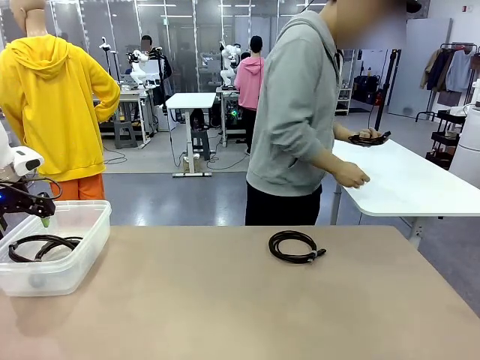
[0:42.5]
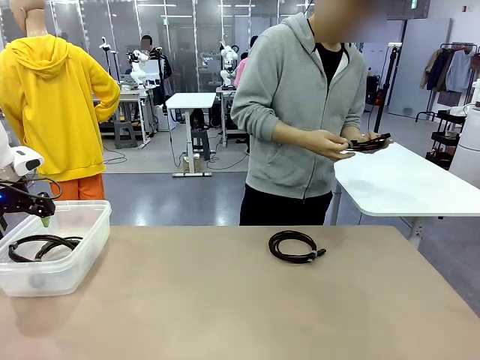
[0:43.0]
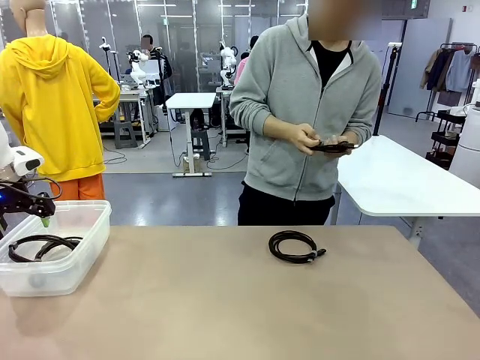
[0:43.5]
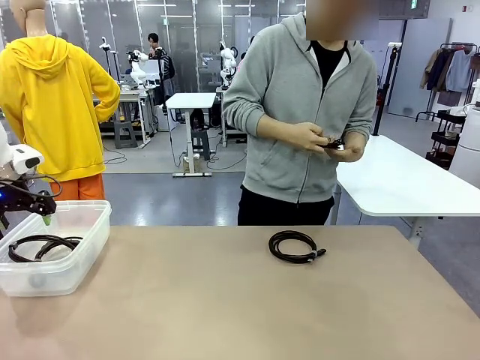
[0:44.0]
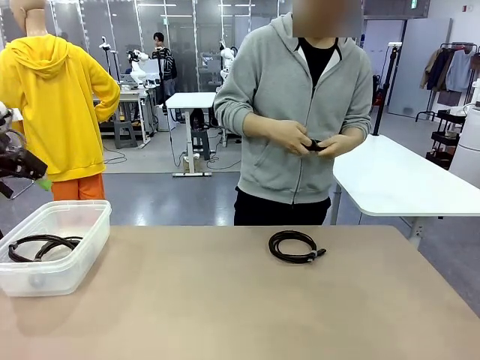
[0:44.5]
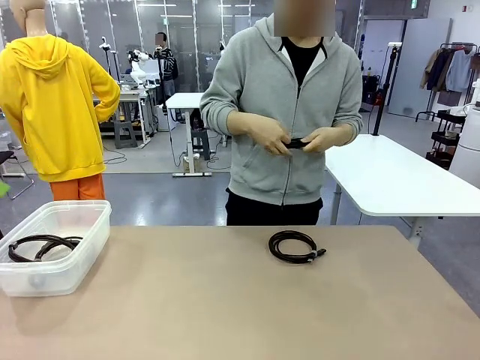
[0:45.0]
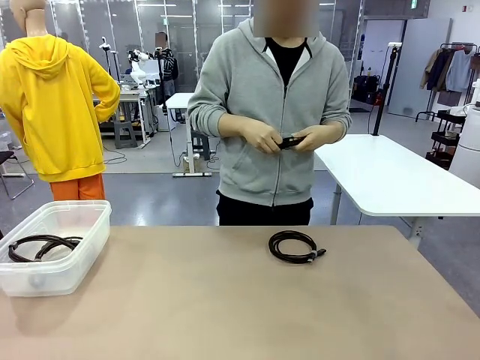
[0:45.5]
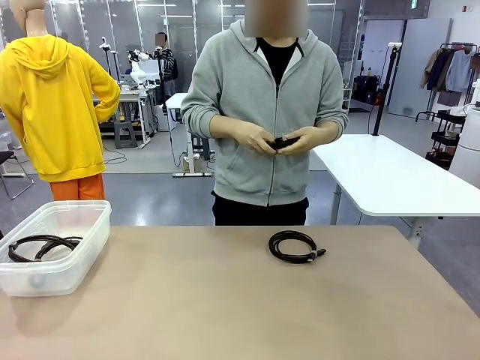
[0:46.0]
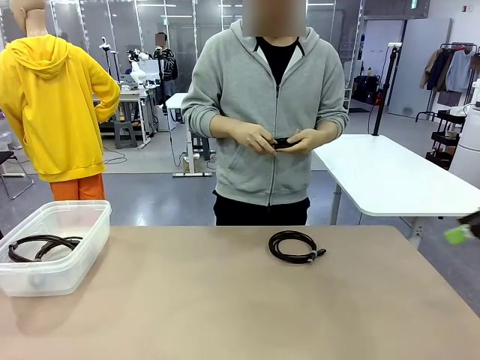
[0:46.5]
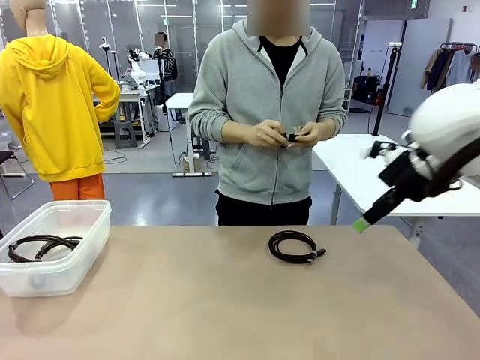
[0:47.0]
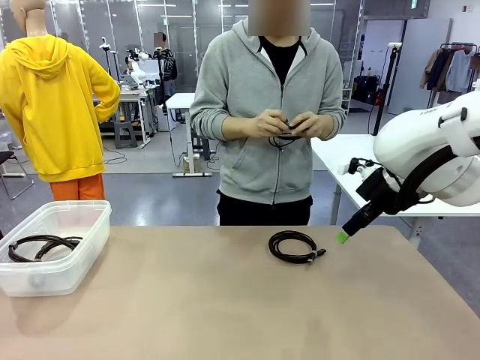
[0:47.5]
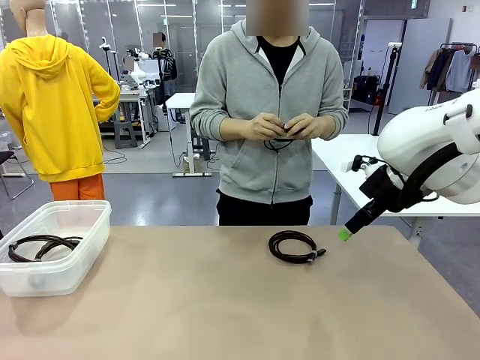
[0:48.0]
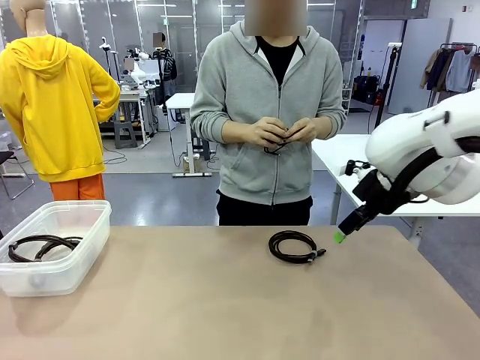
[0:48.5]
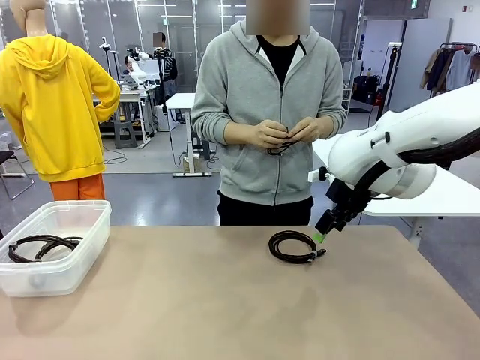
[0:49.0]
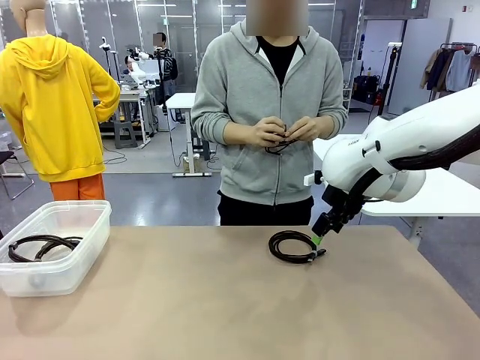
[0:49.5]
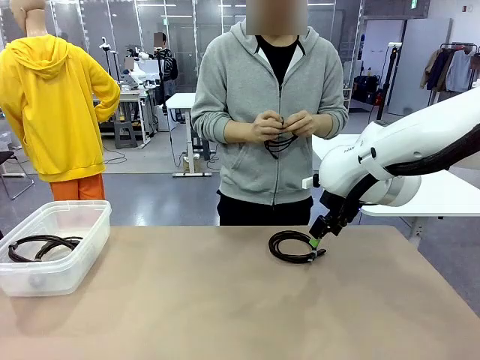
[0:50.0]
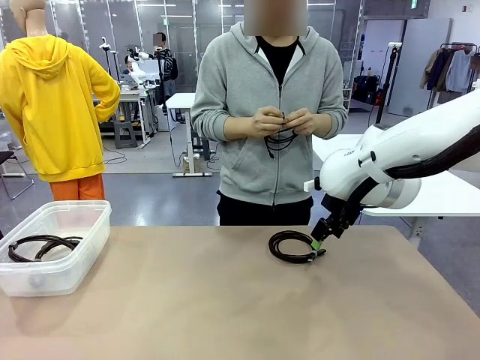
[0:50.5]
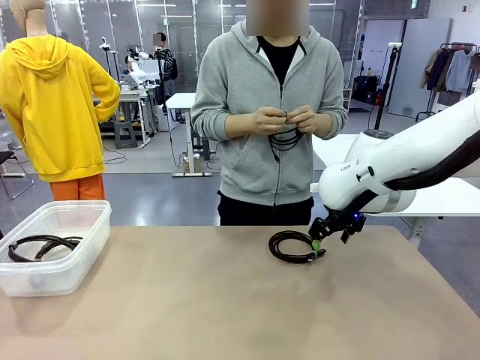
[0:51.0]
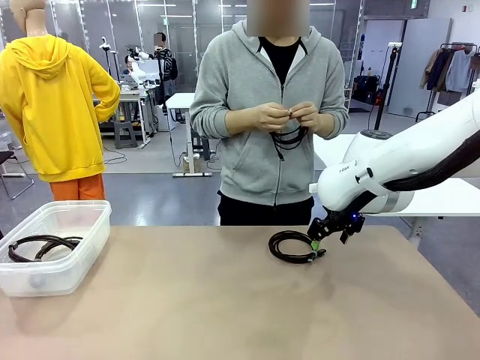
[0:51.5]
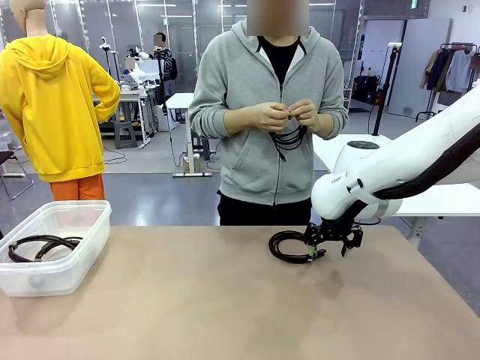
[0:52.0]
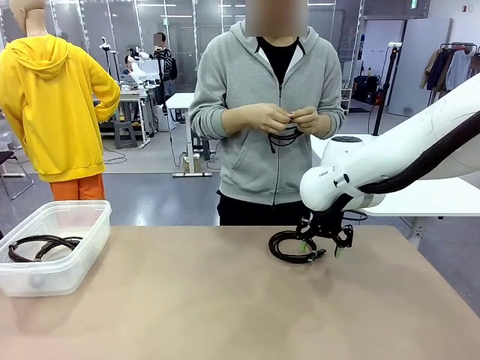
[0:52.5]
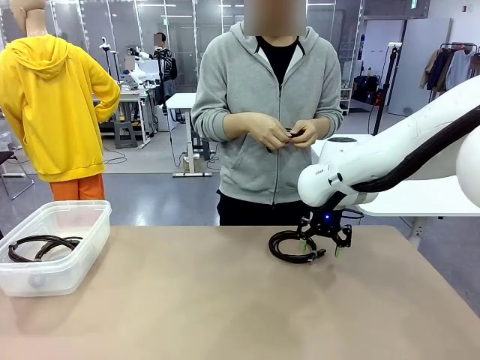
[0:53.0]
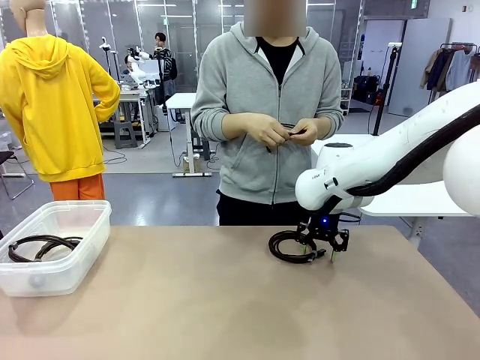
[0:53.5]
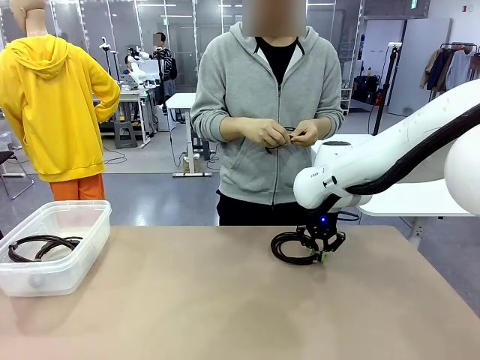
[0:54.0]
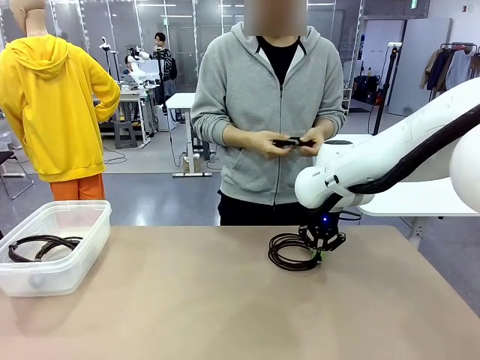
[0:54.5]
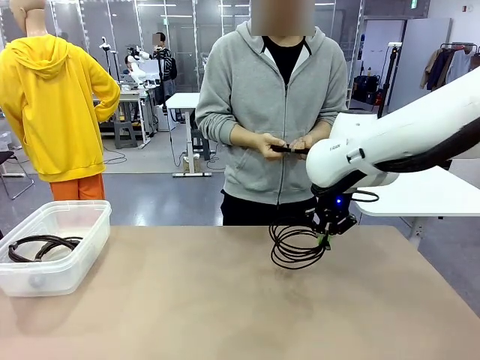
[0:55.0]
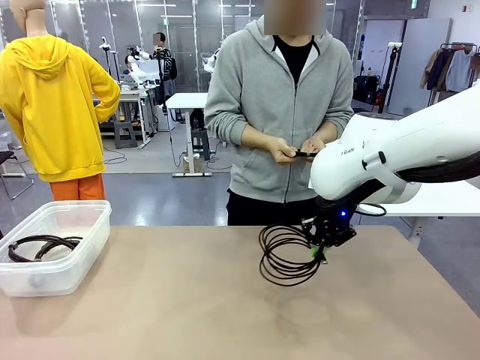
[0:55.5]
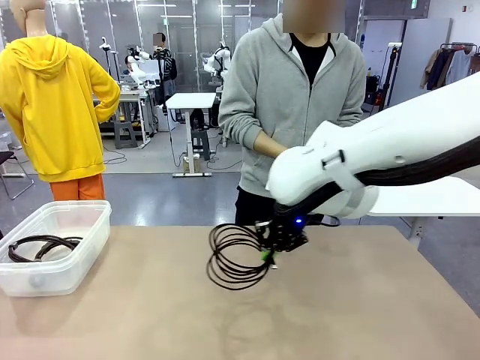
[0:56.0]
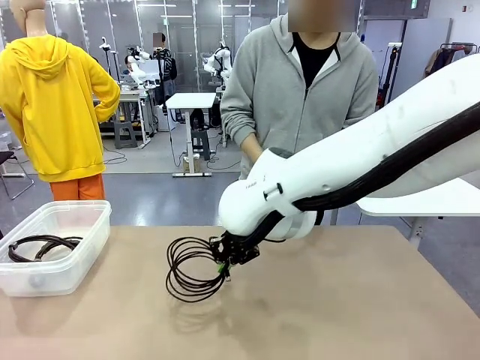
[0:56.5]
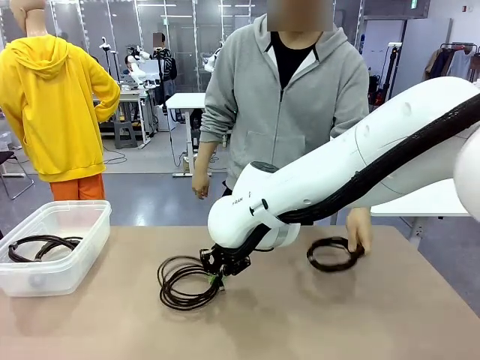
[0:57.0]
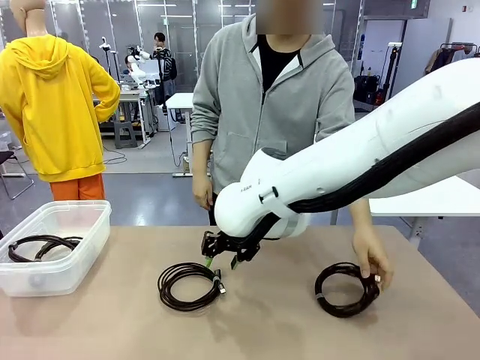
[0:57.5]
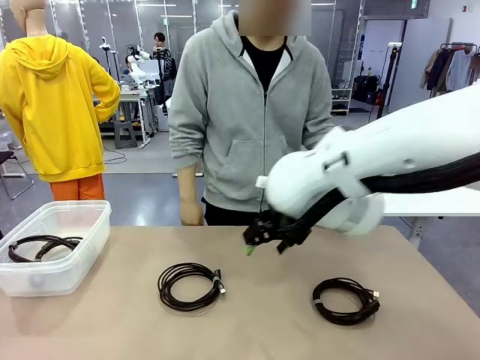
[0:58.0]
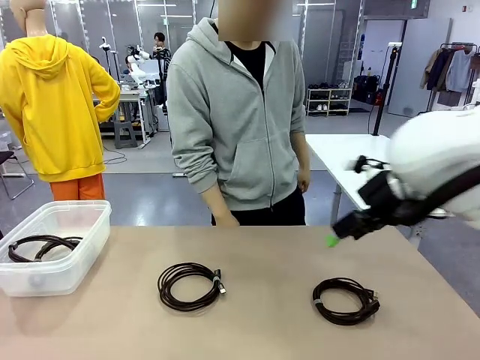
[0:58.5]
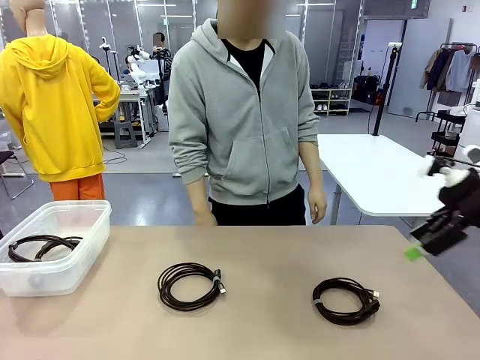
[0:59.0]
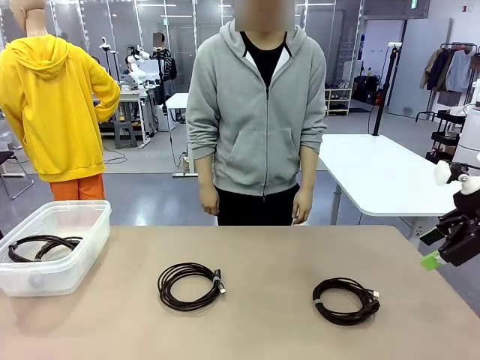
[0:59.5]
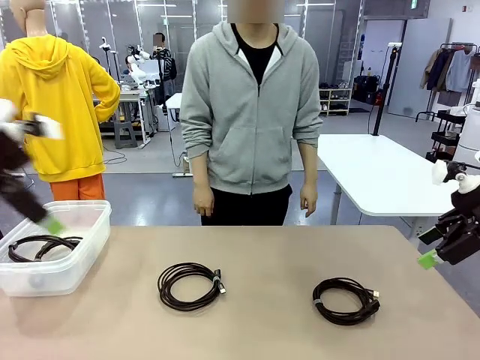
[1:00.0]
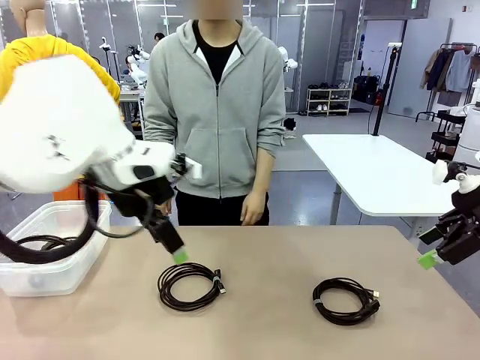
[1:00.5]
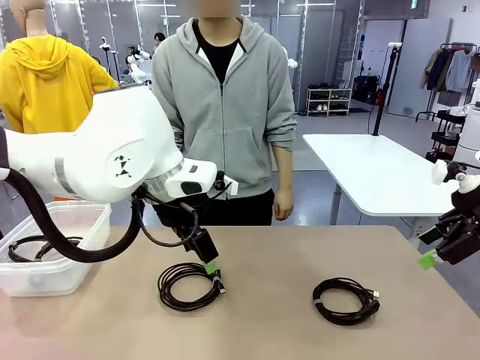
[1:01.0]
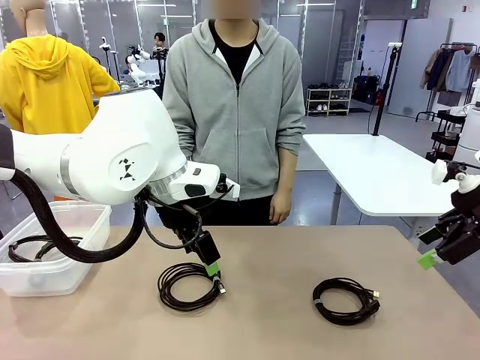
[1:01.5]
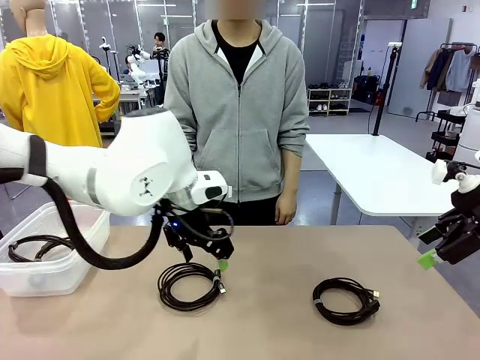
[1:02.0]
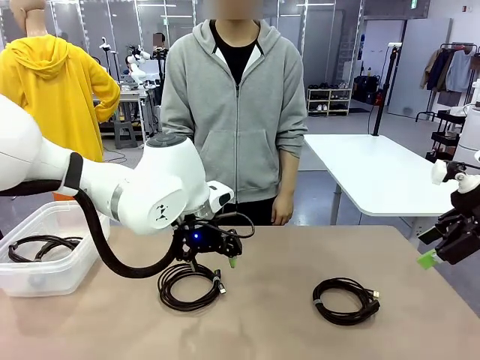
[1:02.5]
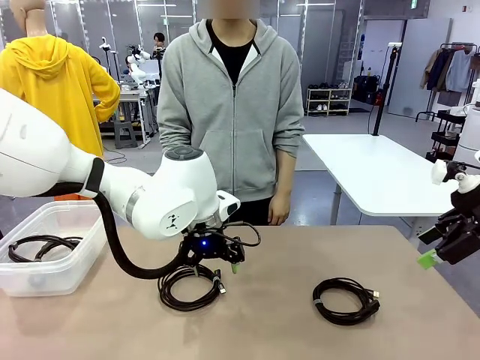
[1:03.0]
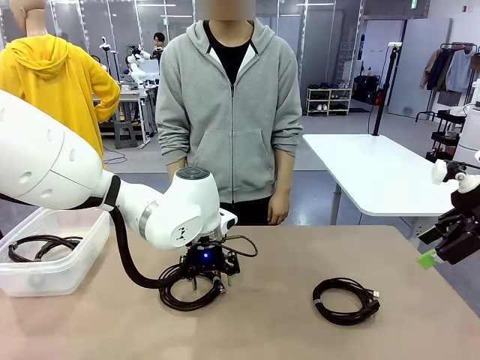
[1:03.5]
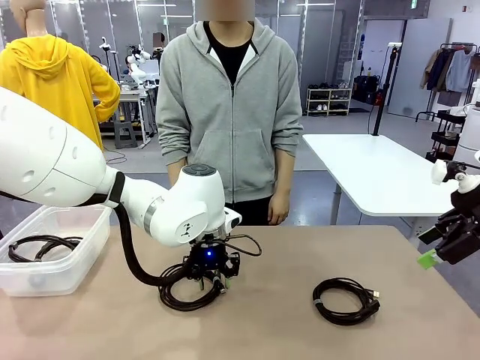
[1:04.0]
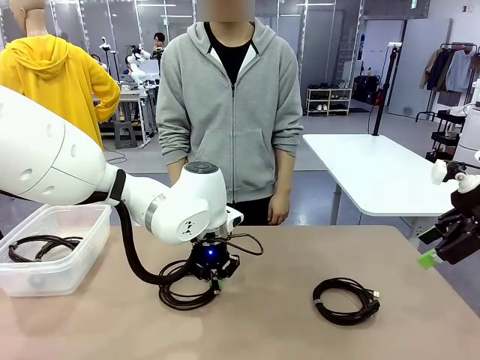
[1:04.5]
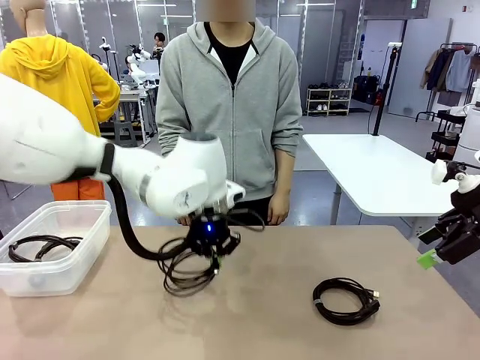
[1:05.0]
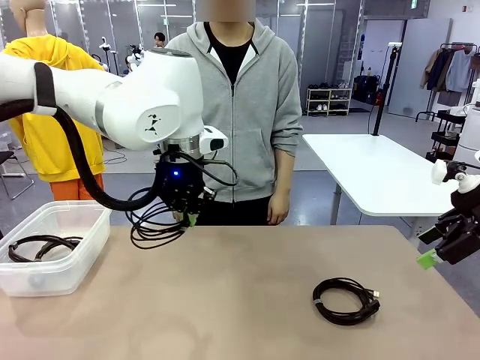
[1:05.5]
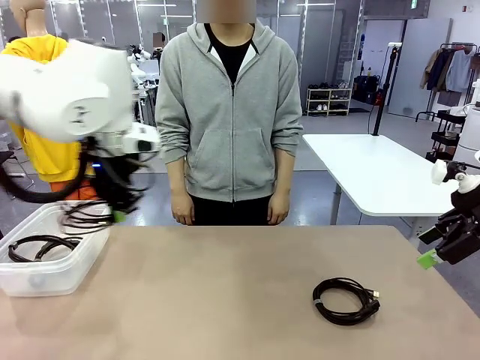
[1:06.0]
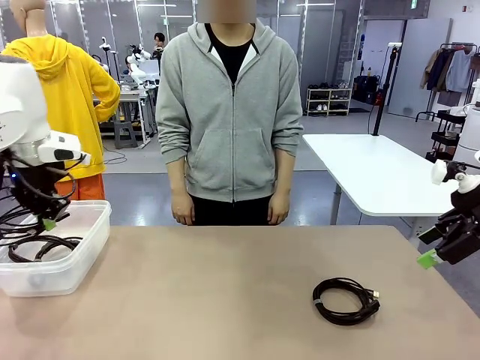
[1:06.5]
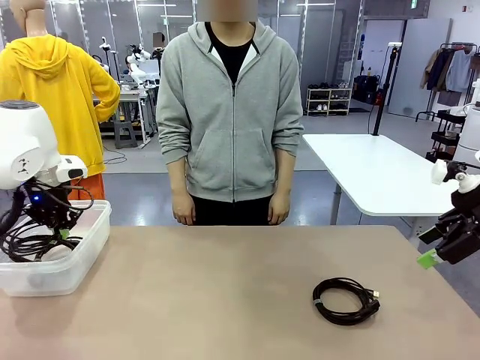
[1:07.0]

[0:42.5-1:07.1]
Task: Organize and store the cables.
Robot: Place the USB Extension Cable into the Organizing box.
